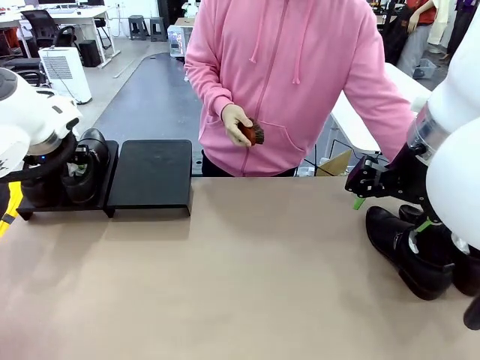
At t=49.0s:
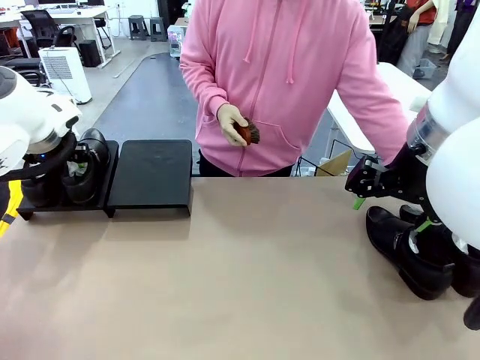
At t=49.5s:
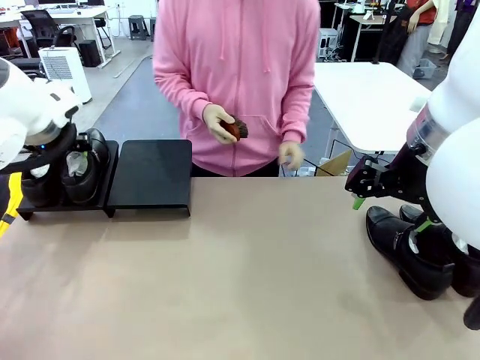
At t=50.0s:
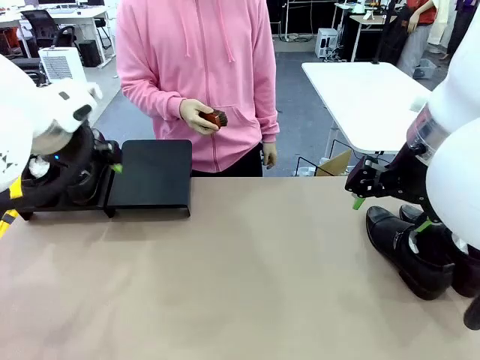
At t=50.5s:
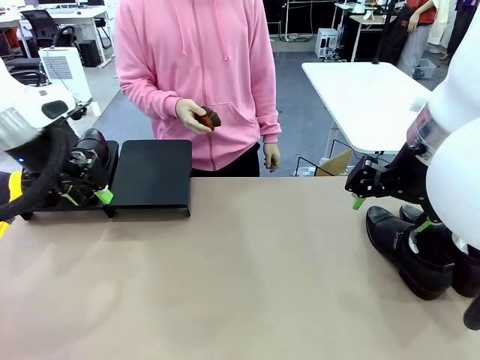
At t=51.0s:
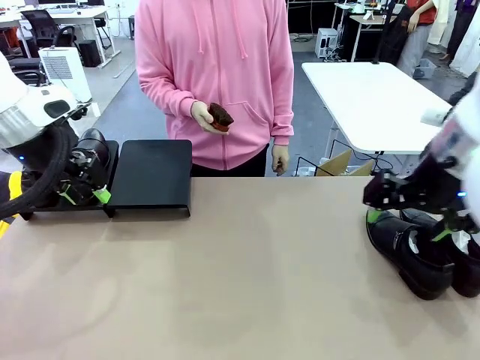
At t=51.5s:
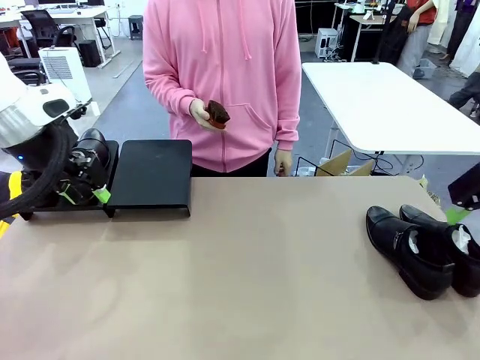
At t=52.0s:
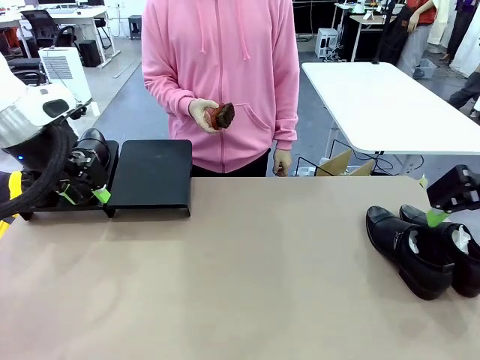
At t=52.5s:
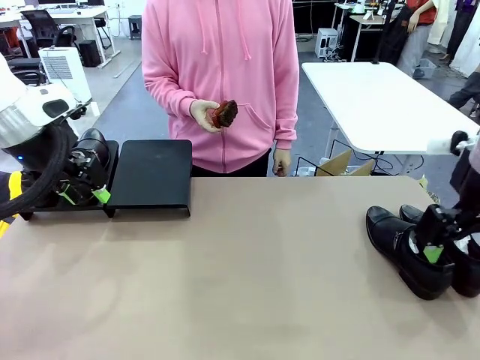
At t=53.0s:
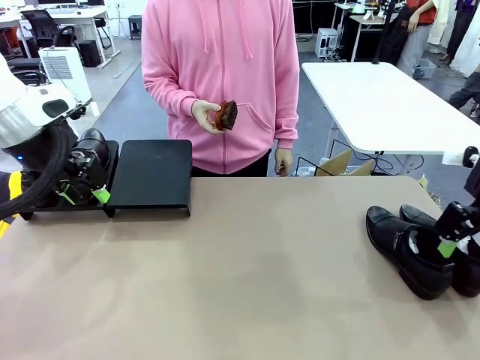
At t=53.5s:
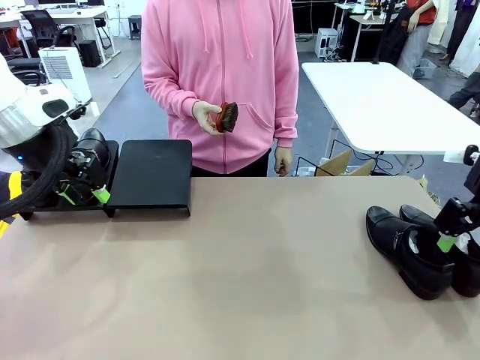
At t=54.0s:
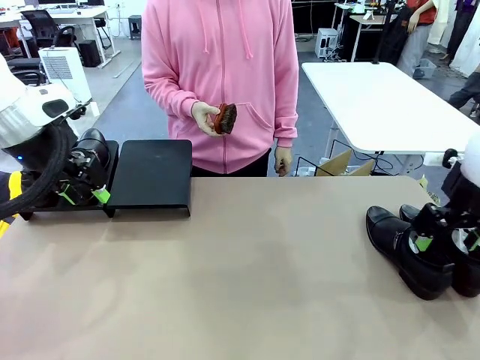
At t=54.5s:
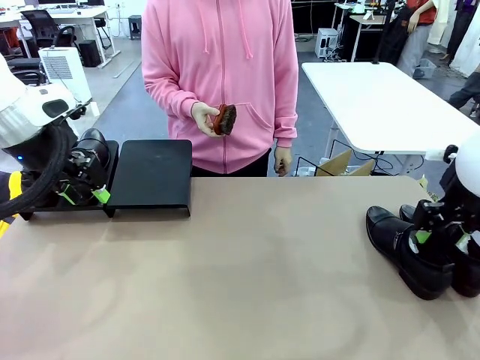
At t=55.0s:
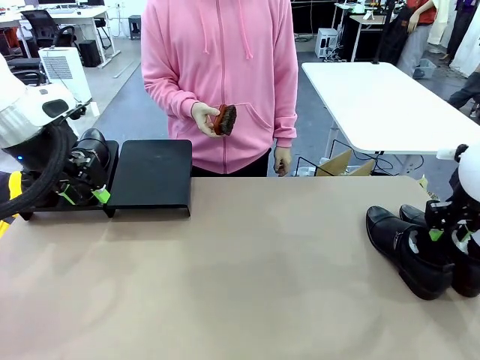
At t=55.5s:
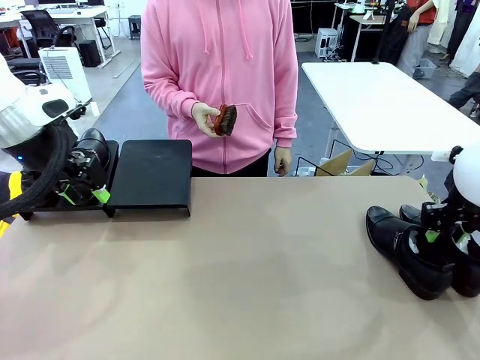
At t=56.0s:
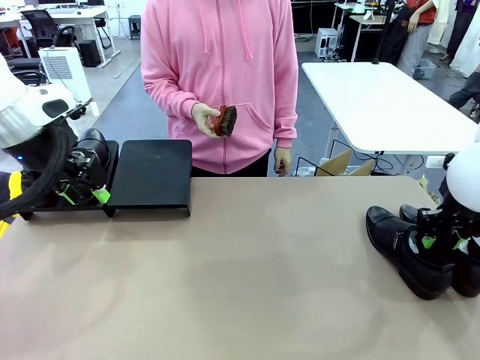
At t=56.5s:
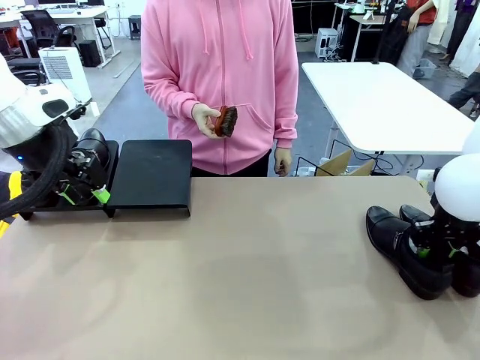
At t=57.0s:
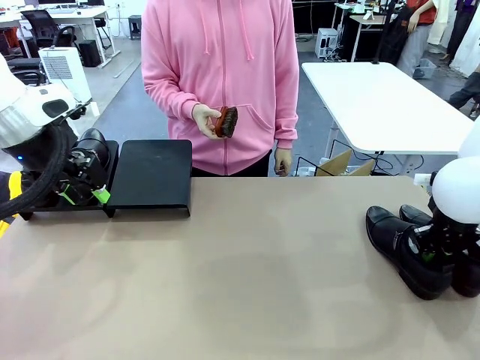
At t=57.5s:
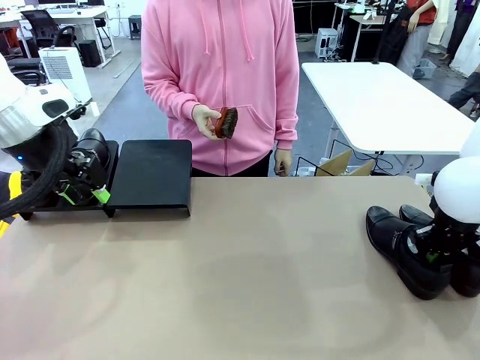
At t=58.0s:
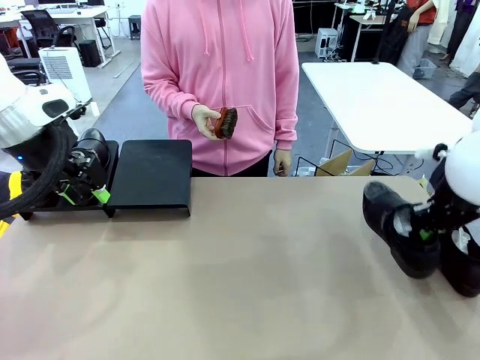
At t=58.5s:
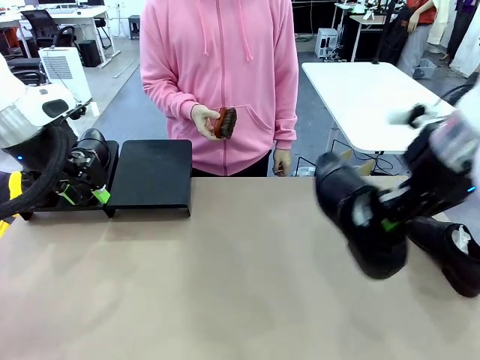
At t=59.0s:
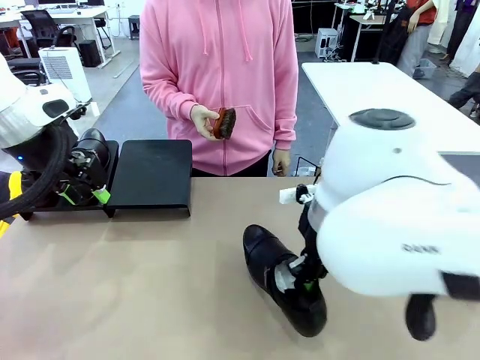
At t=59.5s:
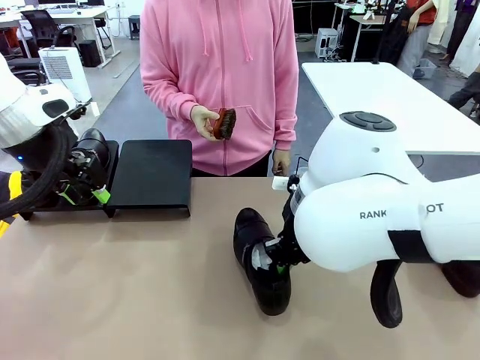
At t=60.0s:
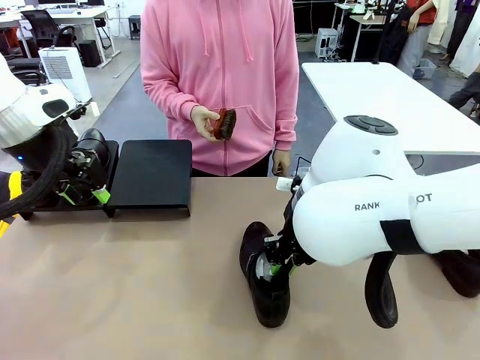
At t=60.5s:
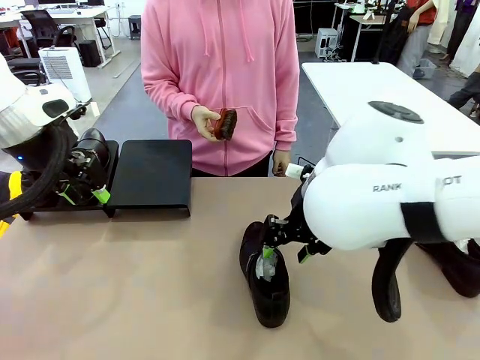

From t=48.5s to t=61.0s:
Task: Organize the shoes by placing them on the stand.
Robot: Pick up one Shoe and place it in the middle of the table.

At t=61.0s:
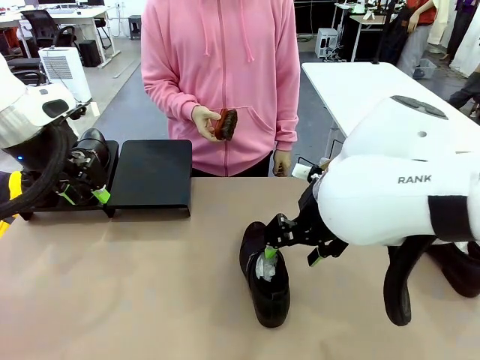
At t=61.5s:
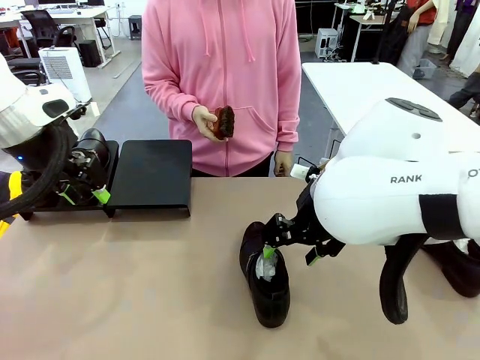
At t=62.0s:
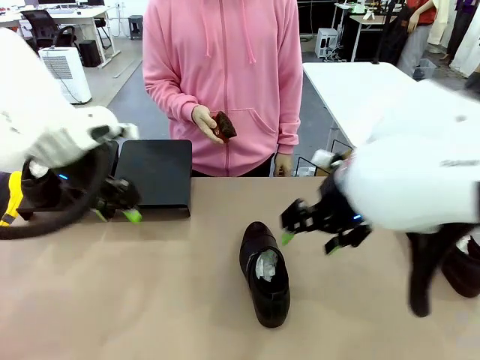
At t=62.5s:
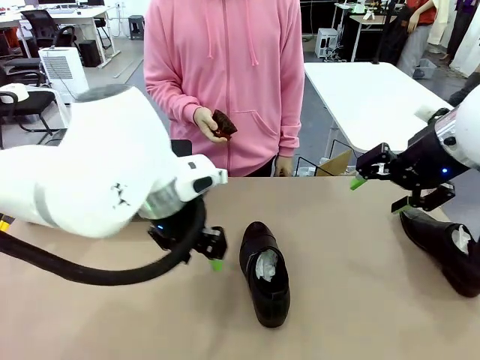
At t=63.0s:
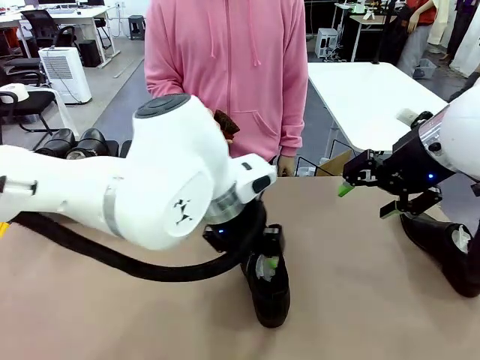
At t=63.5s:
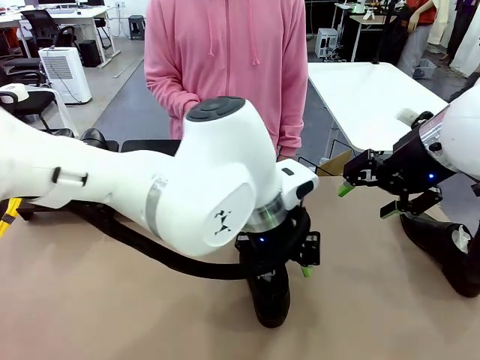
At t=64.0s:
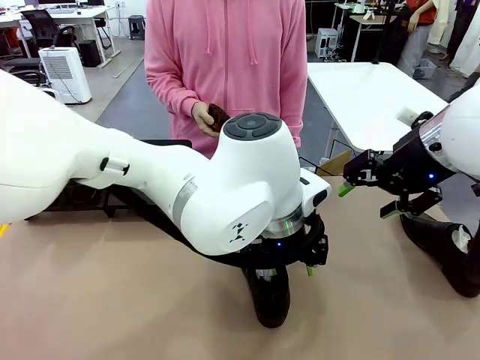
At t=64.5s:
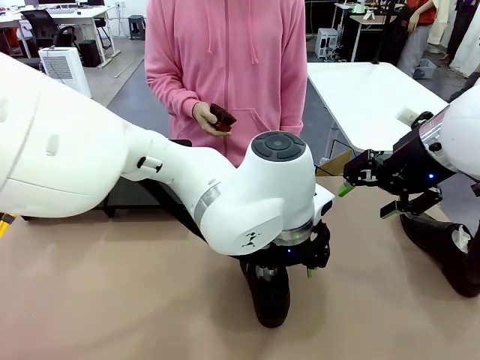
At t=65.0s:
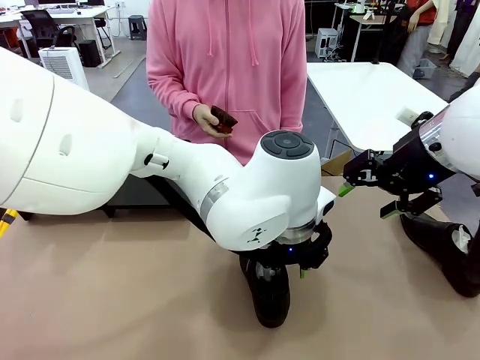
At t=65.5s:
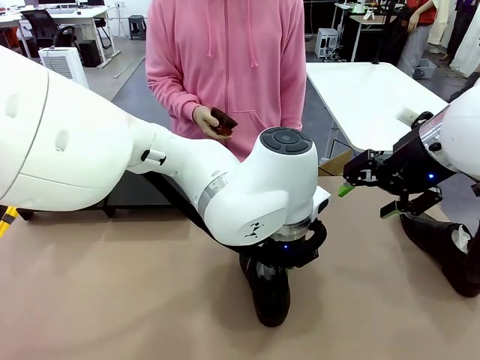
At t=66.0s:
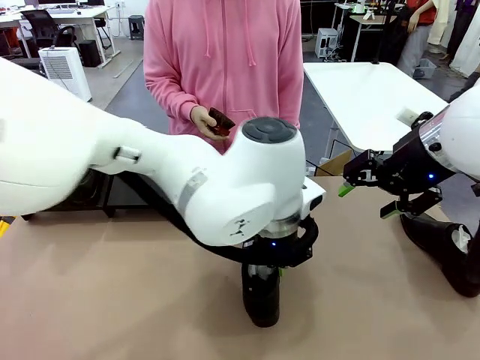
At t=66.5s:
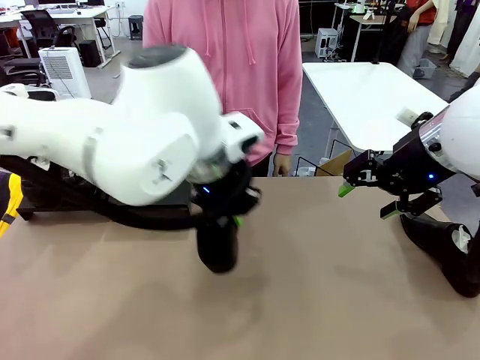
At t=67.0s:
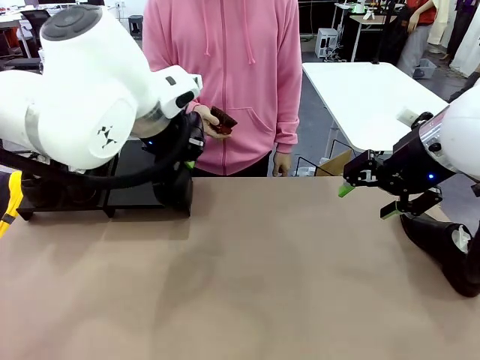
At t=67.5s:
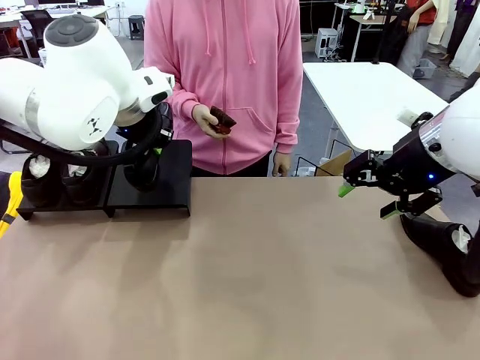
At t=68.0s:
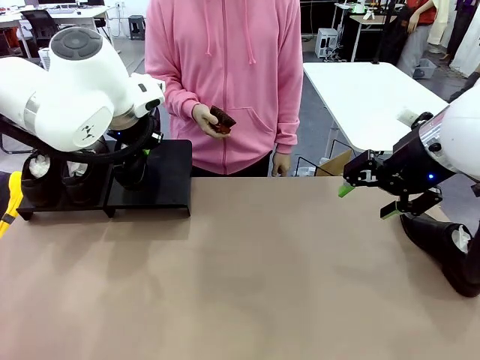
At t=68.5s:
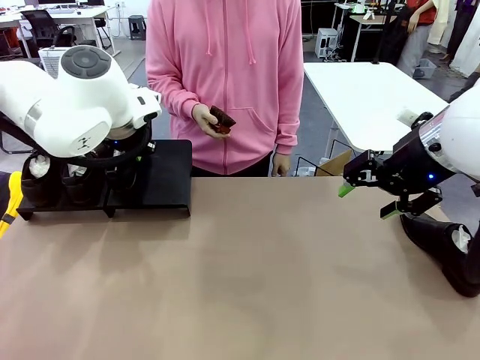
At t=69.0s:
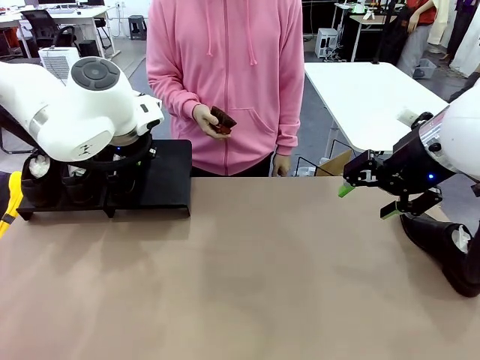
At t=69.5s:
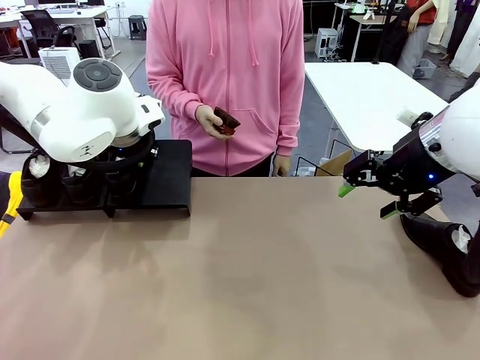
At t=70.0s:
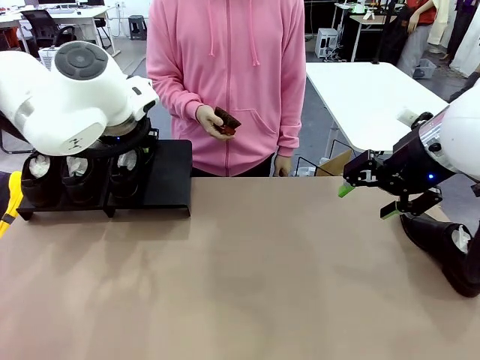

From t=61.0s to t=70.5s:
Robot: Place the Shoe from the middle of the table onto the Shoes Stand.

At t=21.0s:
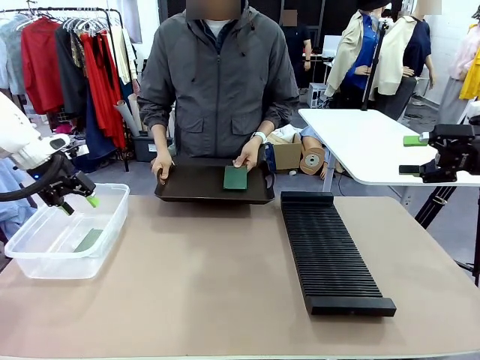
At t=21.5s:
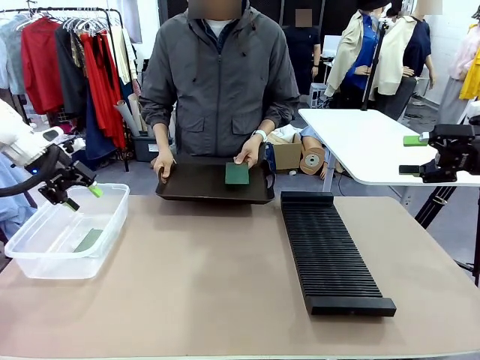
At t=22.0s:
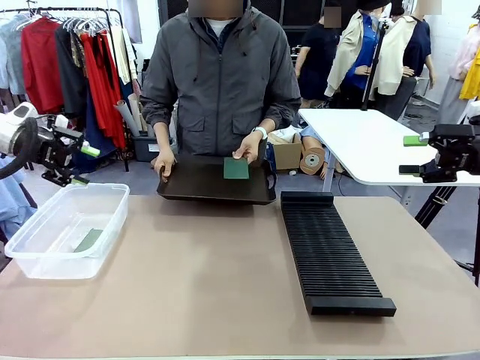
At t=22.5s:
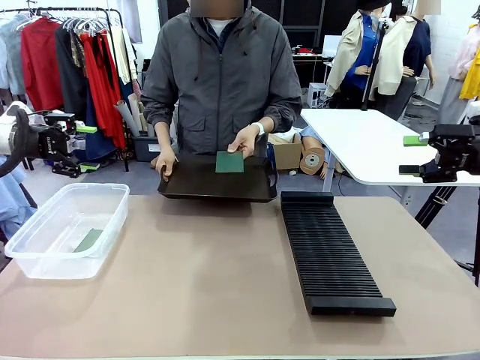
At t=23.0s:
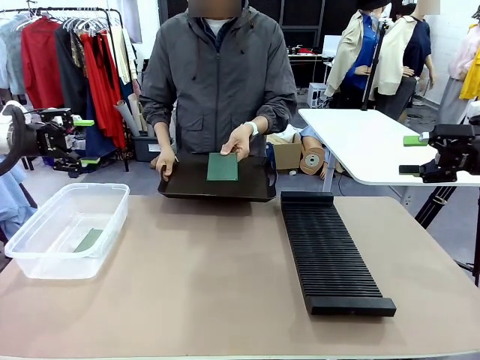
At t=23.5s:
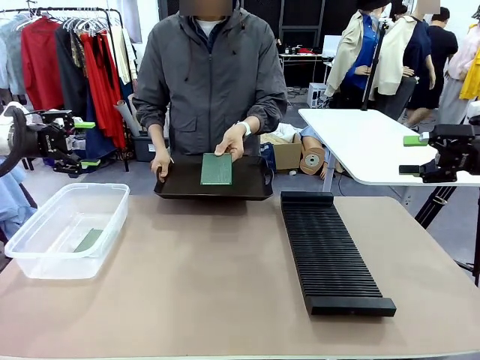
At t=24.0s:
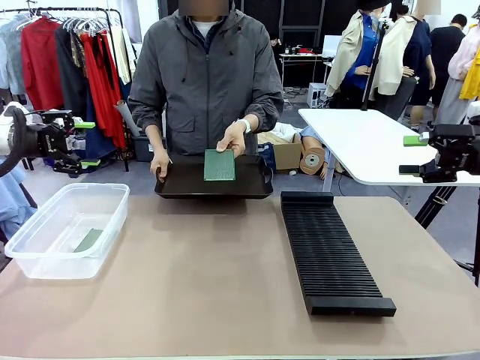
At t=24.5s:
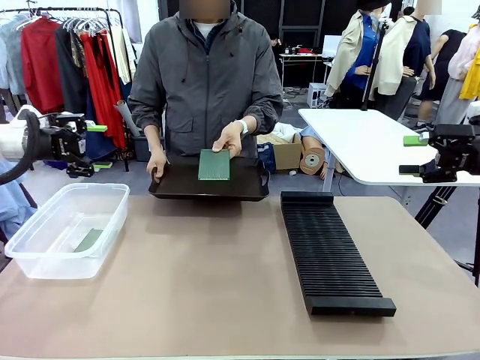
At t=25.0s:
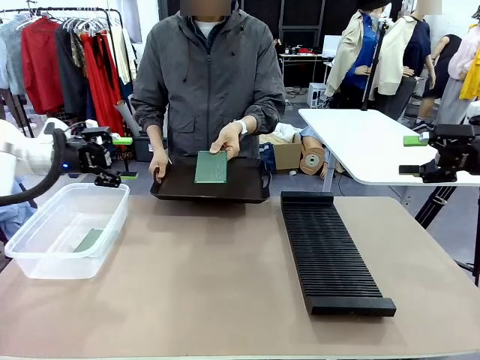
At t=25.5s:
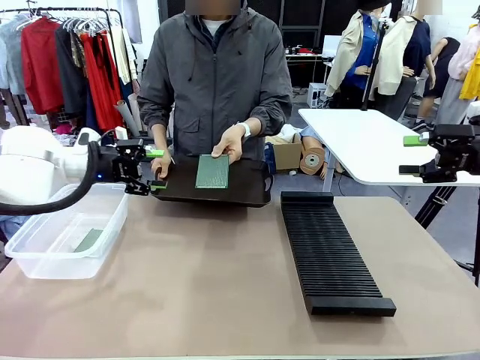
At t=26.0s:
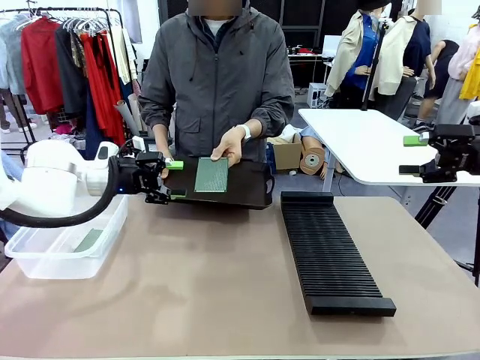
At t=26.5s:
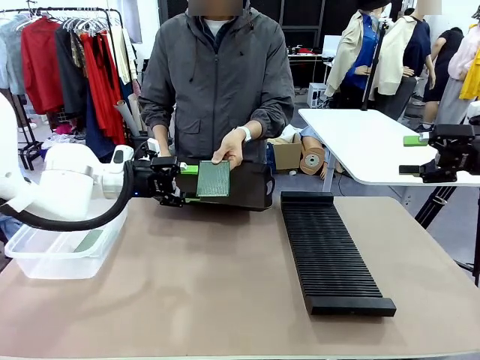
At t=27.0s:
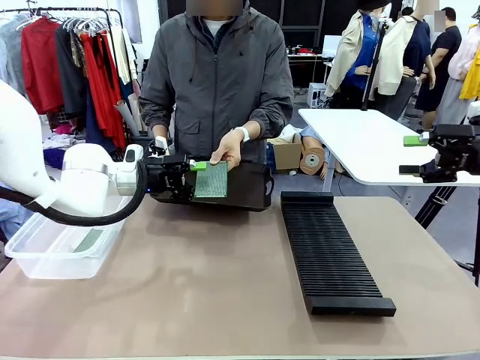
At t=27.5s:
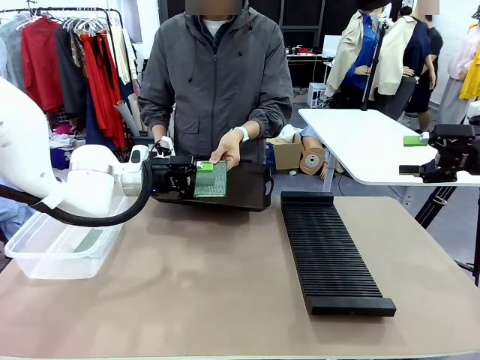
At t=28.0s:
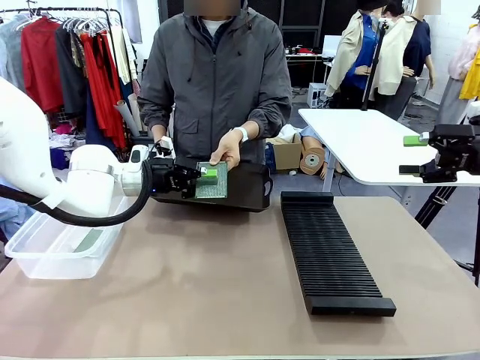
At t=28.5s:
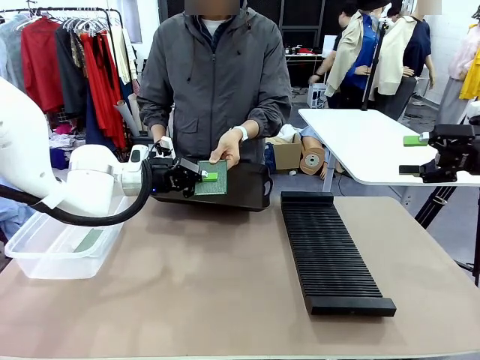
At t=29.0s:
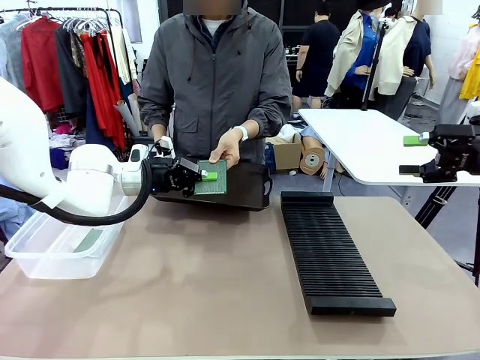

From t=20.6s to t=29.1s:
Task: Sort PCBs into racks and boxes based on the side picked up.
Robot: Pick up the Blank PCB handed by the Human.
